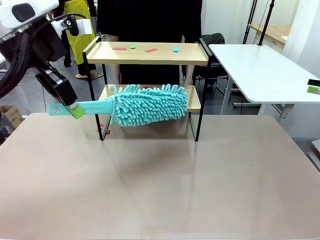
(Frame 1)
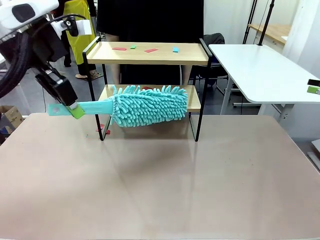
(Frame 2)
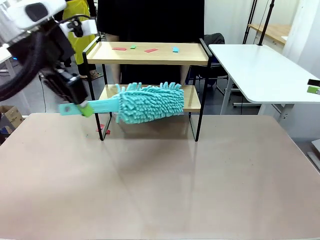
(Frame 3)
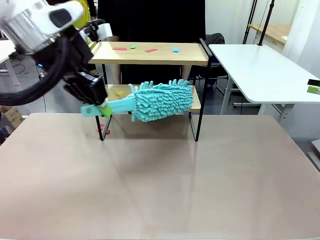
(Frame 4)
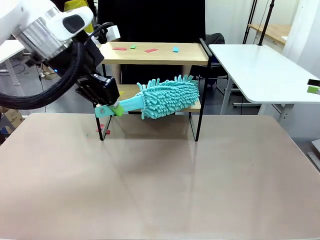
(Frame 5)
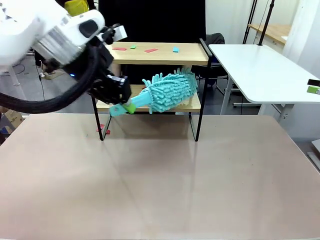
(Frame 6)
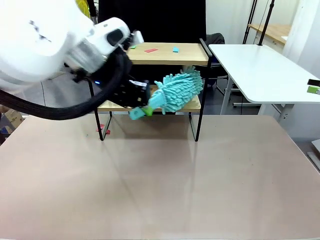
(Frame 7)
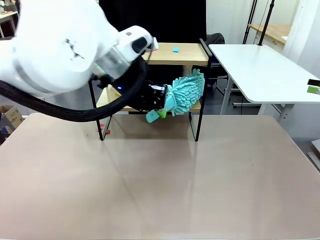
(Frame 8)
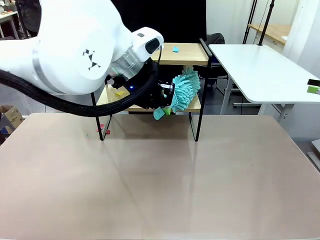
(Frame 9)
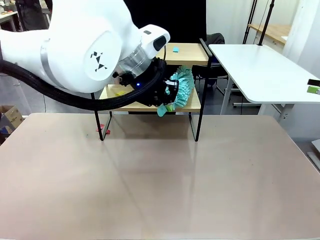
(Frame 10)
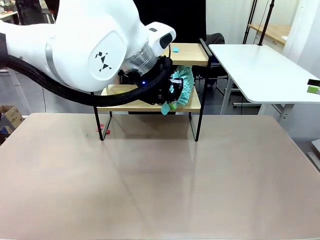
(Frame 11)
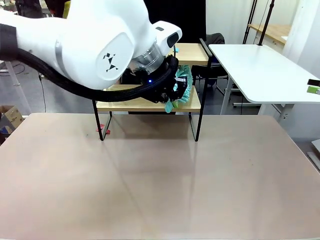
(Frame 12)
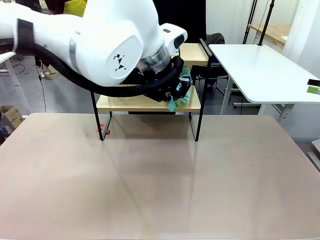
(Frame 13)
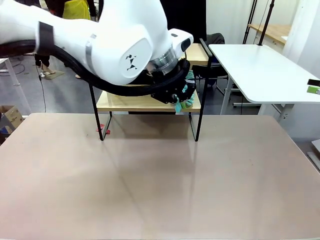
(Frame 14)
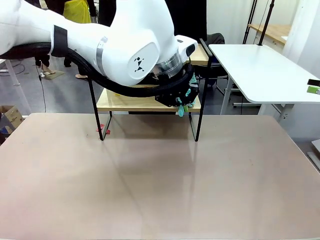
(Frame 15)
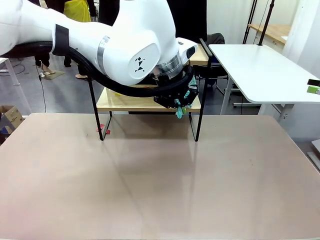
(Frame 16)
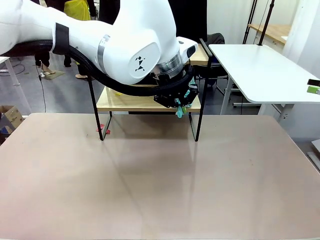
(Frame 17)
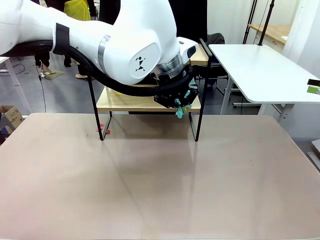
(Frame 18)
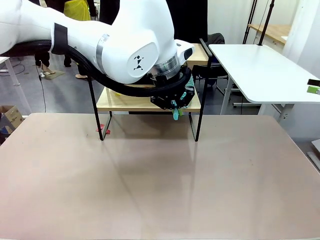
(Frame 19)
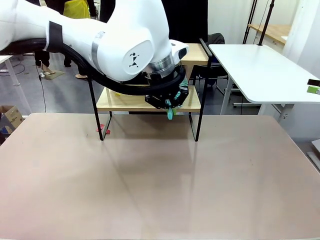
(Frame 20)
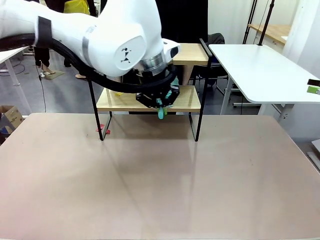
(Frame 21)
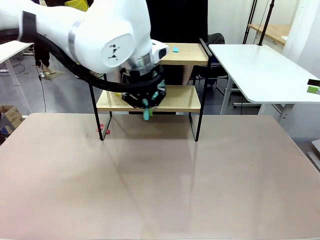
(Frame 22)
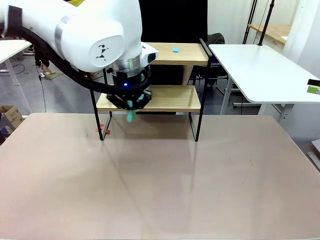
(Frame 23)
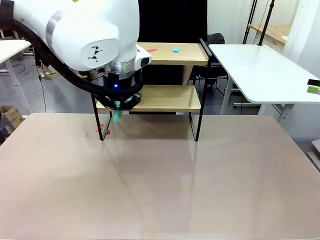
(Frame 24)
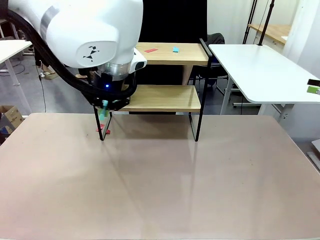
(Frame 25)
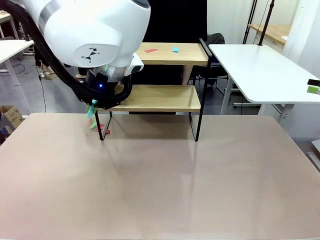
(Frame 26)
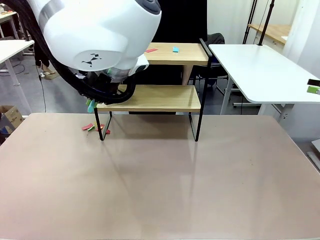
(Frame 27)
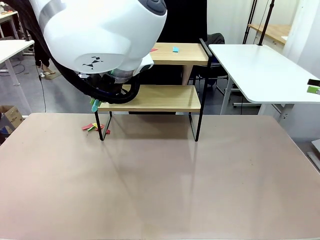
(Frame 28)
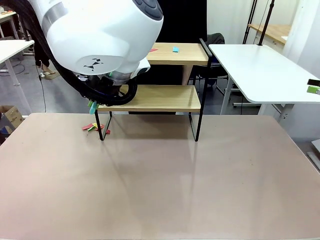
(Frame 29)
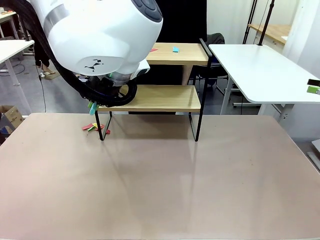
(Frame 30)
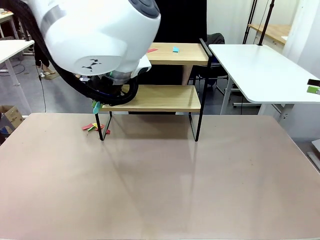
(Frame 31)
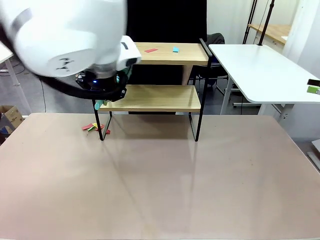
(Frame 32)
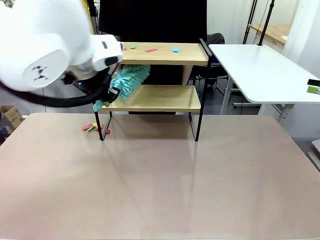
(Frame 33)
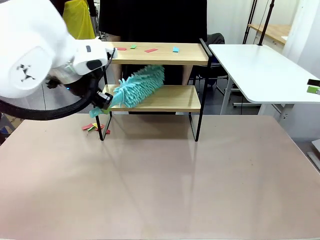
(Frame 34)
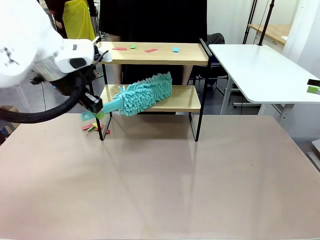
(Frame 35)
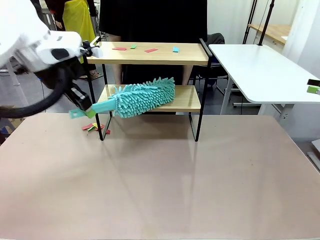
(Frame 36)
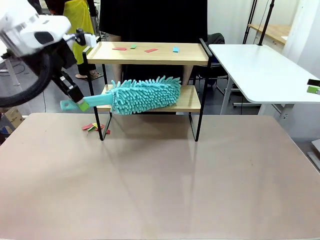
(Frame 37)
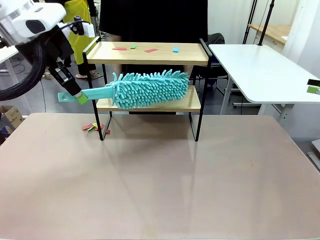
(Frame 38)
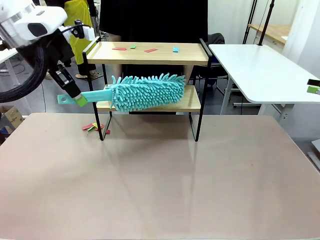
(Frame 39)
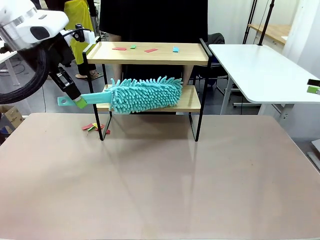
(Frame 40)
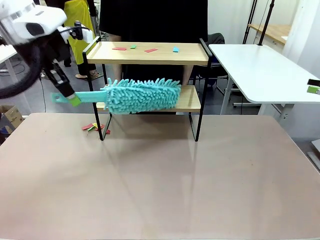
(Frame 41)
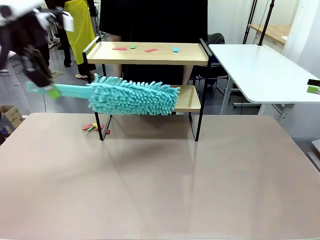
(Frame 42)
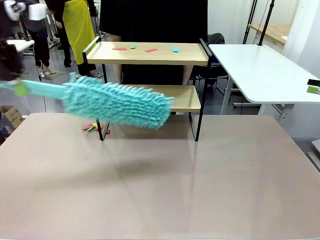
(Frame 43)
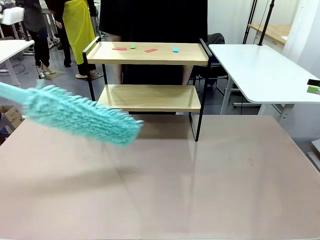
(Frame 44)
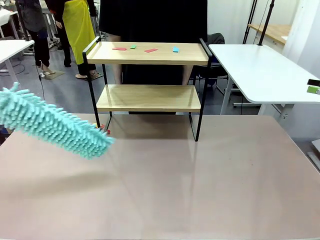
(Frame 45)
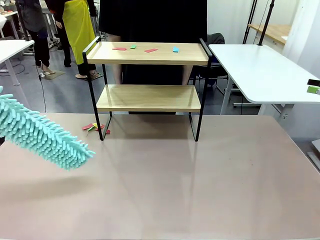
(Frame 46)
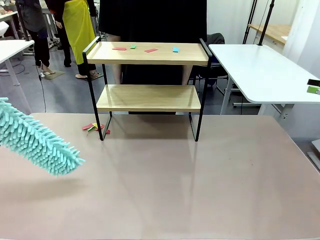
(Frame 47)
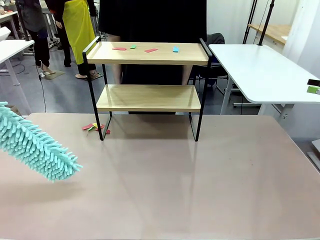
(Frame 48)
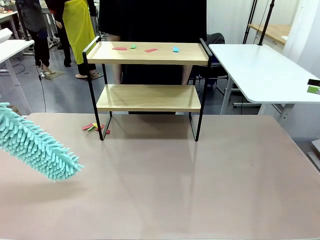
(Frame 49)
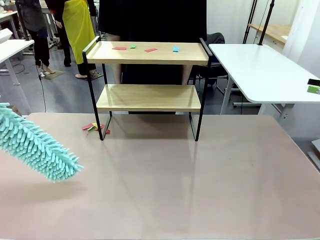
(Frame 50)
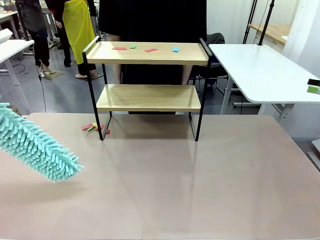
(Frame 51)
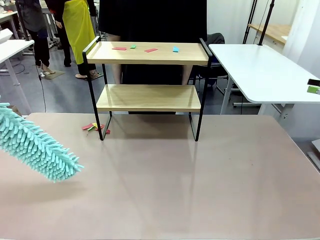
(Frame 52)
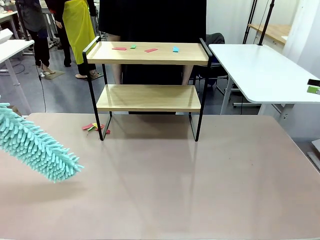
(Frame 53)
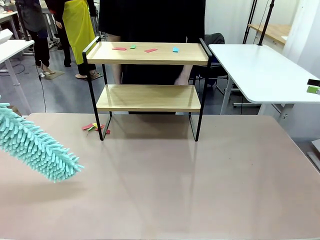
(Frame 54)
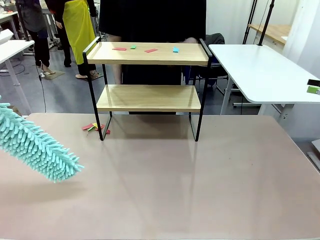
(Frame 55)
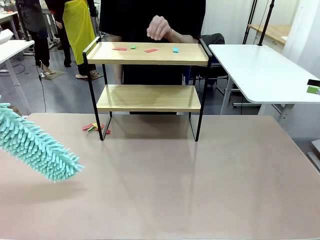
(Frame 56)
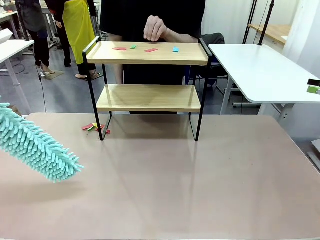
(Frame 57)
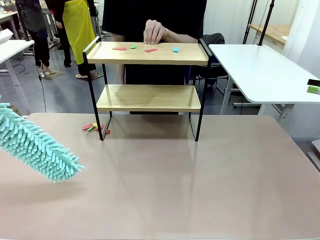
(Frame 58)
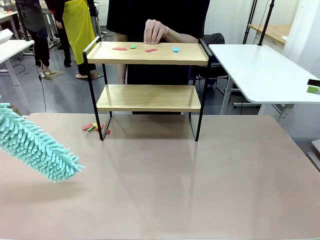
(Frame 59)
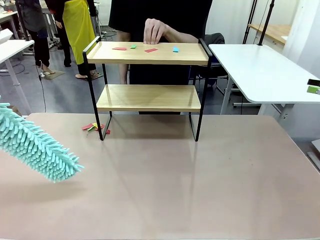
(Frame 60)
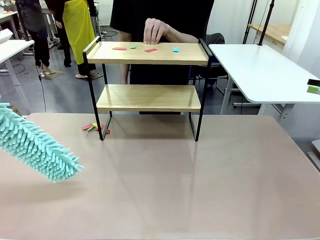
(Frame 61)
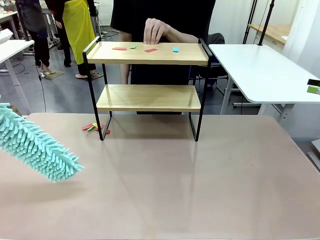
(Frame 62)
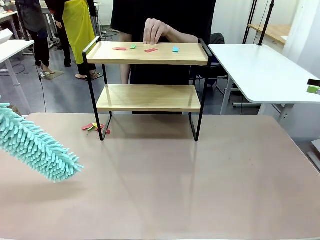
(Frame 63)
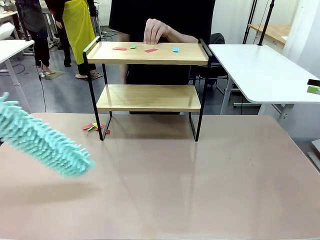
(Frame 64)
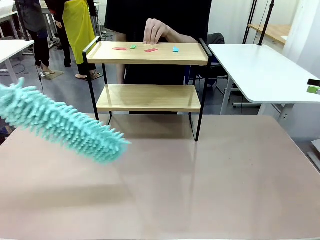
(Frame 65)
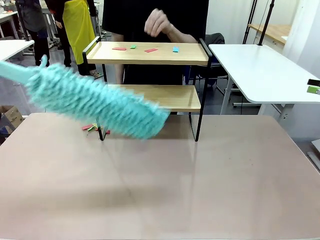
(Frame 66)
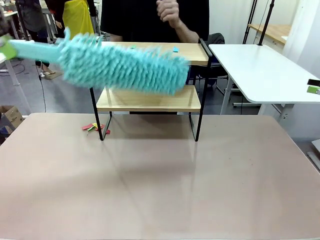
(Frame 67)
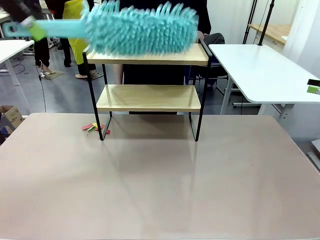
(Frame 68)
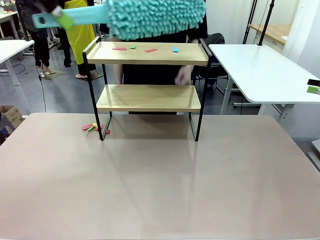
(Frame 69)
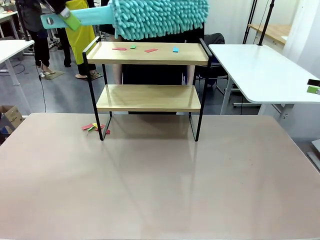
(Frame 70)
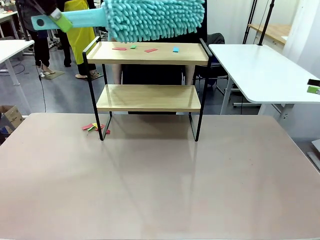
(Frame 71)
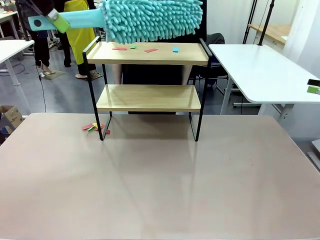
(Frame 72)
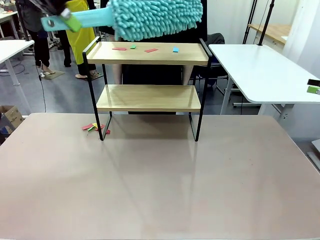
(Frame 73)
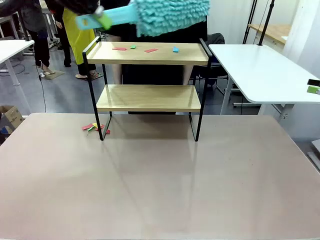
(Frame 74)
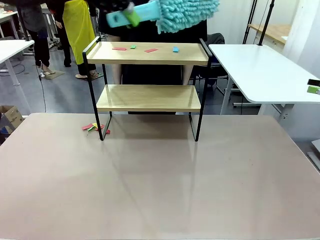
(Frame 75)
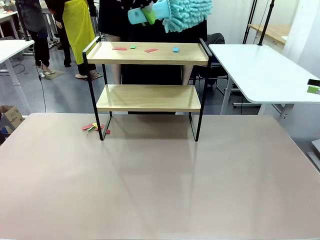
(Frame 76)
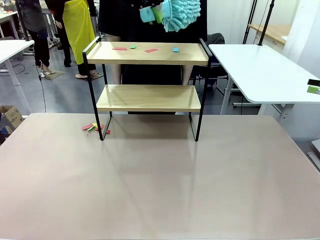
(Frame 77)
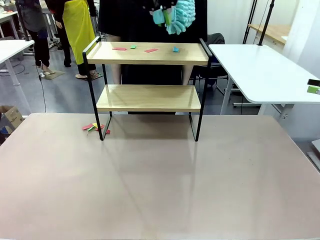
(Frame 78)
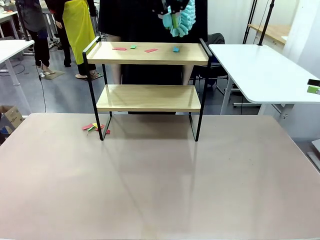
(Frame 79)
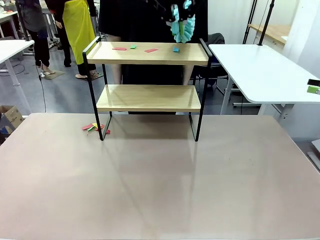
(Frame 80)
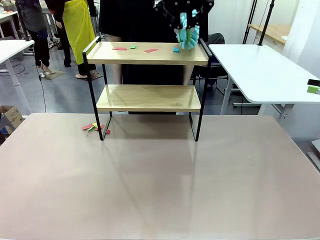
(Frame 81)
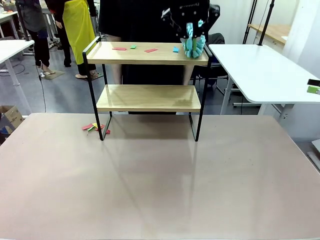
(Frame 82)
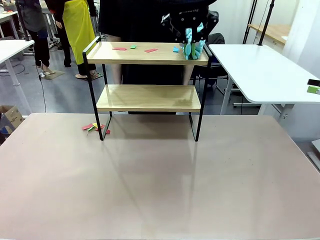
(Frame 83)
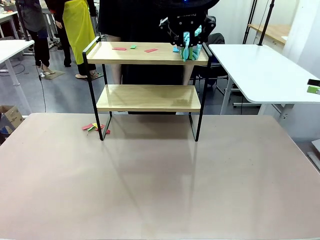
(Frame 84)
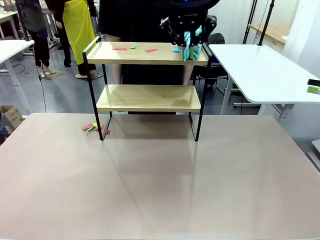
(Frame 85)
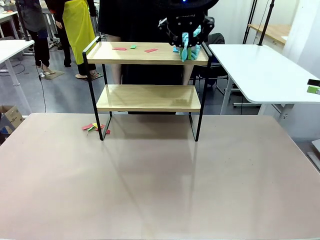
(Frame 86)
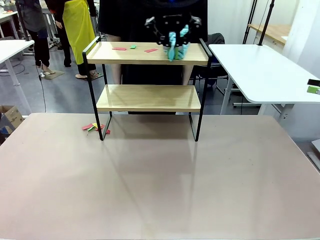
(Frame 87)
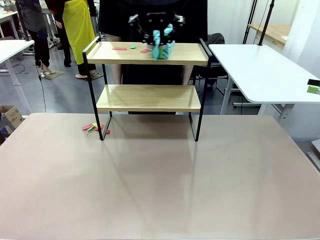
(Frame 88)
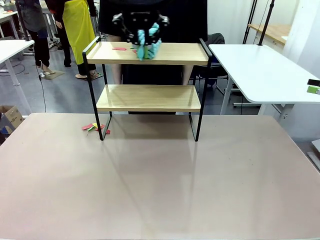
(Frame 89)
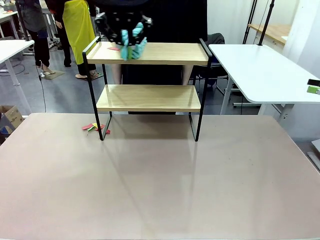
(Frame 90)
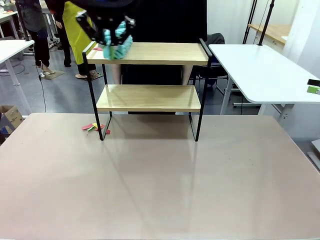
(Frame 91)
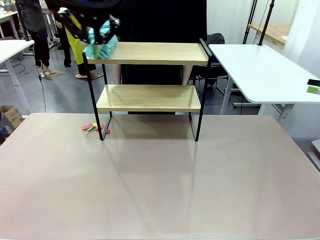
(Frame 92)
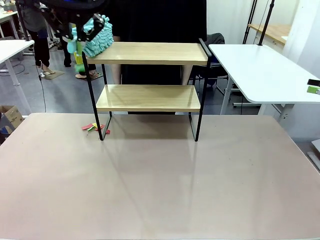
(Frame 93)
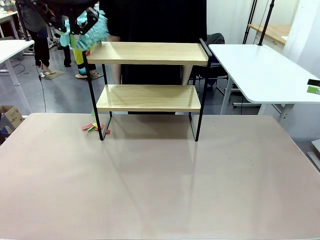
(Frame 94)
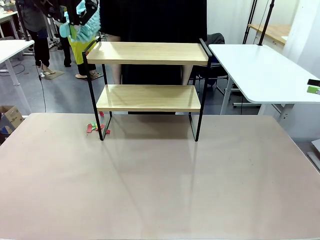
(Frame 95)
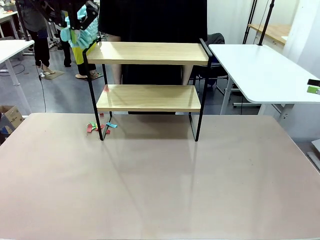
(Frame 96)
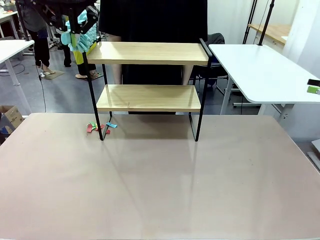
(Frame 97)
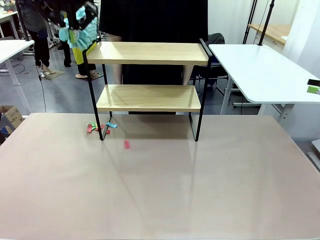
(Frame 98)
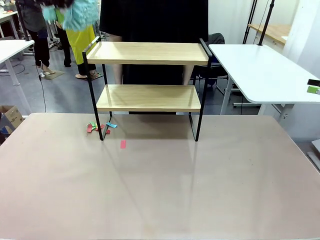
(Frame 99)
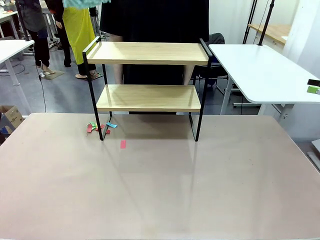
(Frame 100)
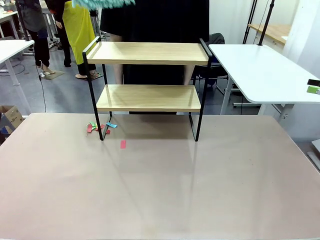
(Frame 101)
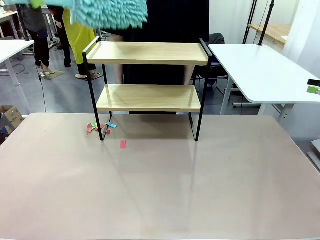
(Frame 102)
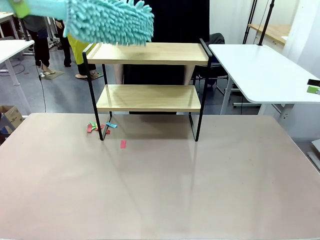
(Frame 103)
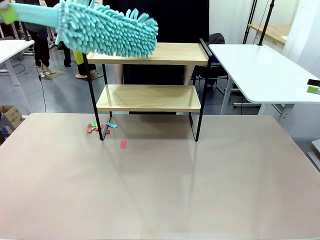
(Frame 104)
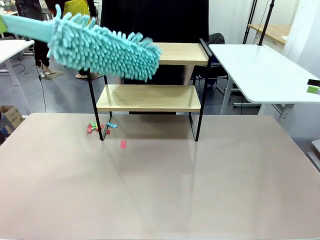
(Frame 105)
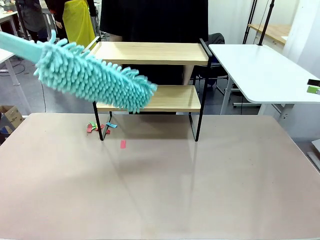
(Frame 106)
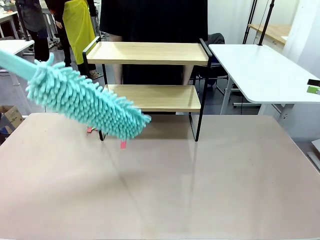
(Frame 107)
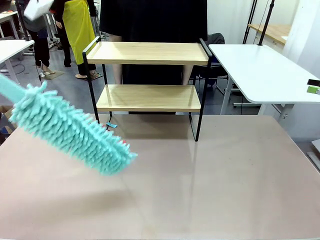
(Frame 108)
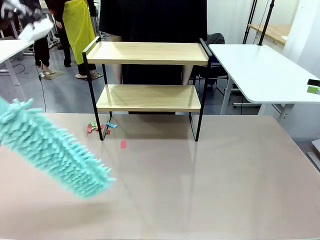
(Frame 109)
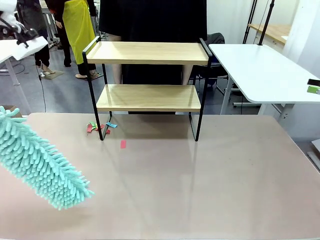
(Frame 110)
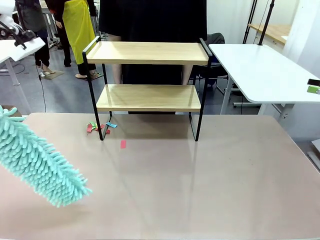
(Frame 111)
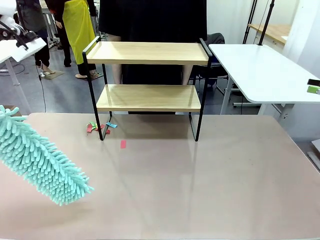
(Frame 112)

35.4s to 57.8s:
Task: Clean the shelf.
Robot: Clean the specific section of the Shelf indicated by the human with the Duster.
Person: Point a remaining section of the Shelf.
